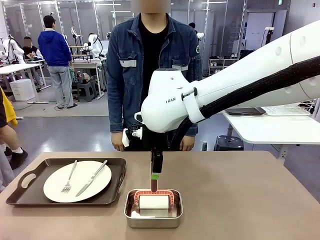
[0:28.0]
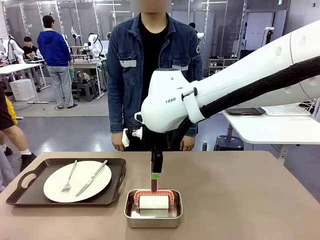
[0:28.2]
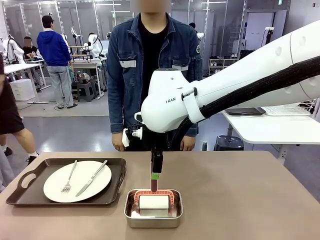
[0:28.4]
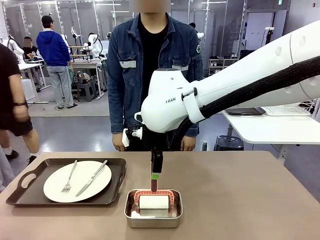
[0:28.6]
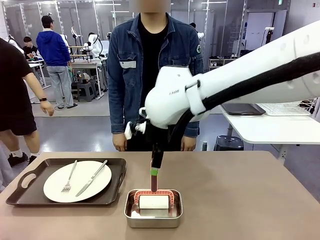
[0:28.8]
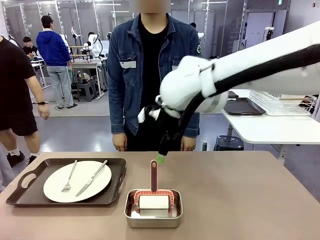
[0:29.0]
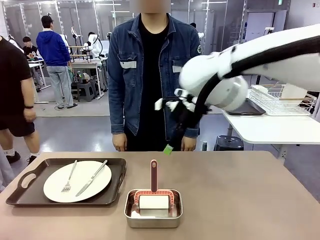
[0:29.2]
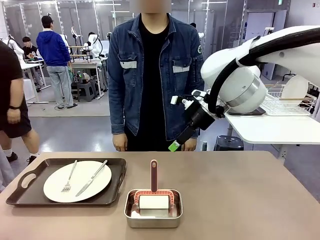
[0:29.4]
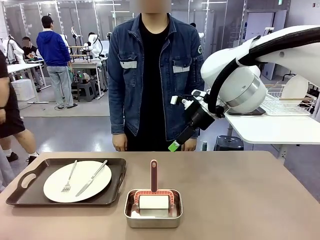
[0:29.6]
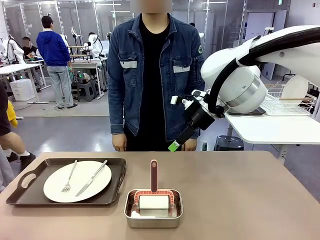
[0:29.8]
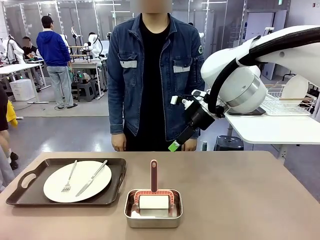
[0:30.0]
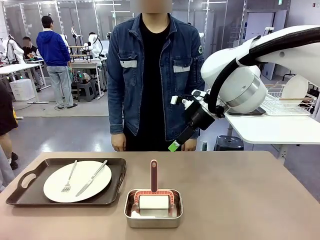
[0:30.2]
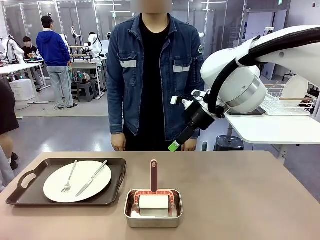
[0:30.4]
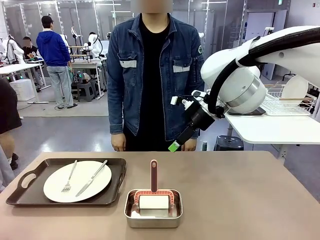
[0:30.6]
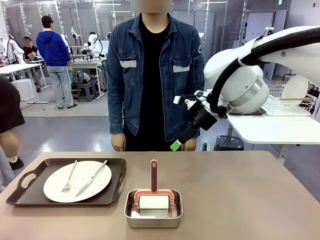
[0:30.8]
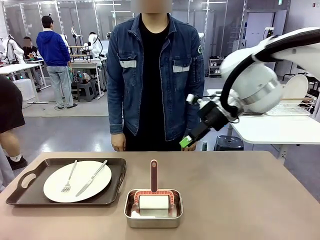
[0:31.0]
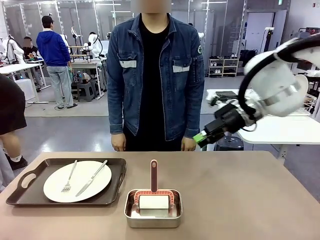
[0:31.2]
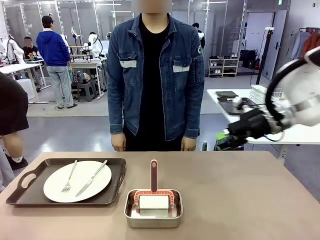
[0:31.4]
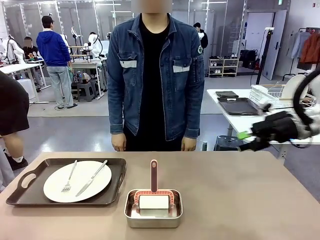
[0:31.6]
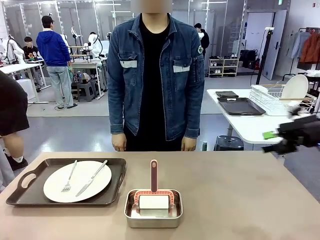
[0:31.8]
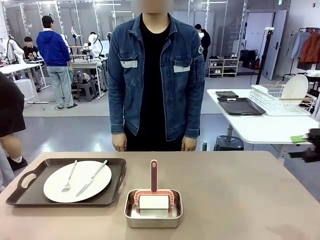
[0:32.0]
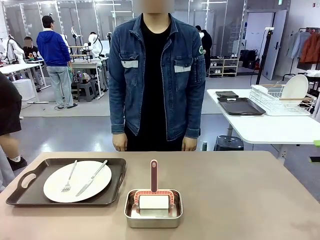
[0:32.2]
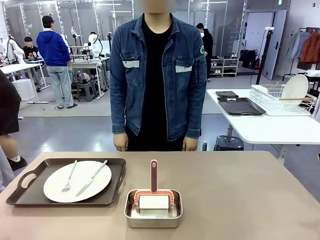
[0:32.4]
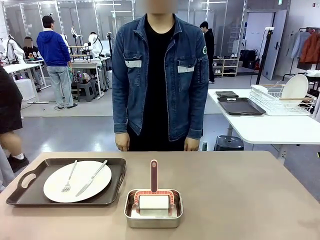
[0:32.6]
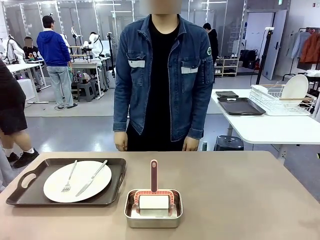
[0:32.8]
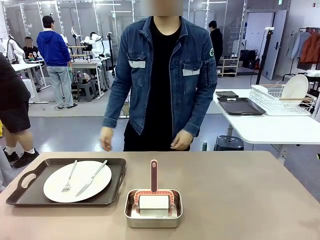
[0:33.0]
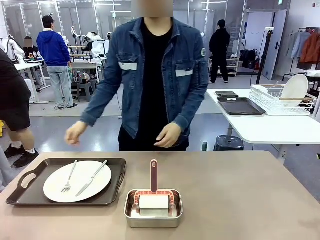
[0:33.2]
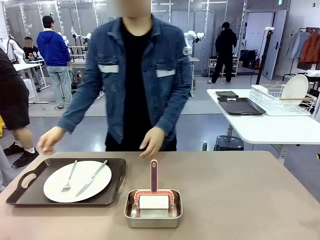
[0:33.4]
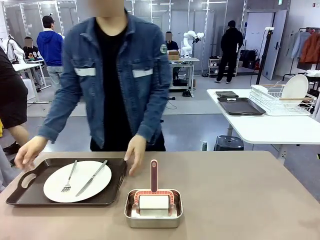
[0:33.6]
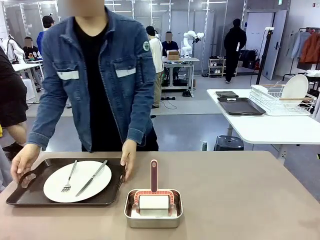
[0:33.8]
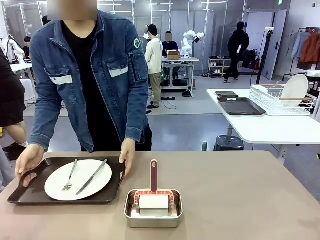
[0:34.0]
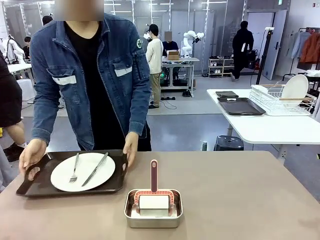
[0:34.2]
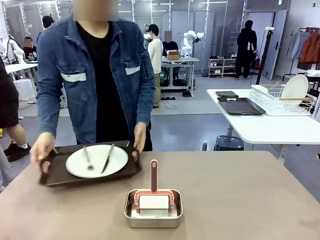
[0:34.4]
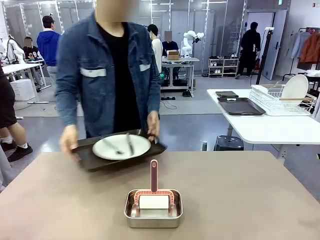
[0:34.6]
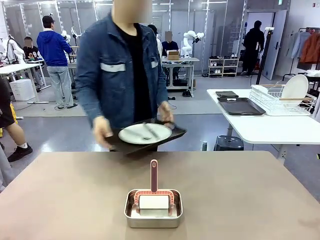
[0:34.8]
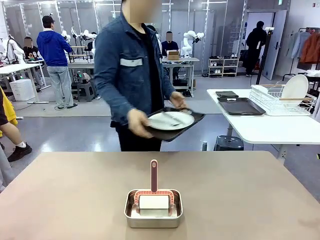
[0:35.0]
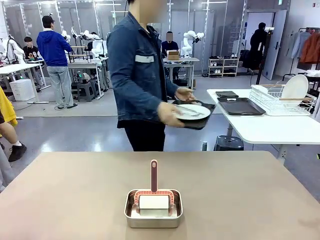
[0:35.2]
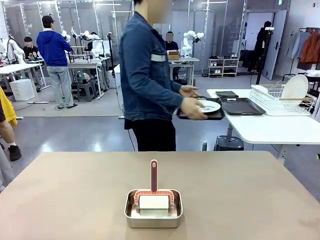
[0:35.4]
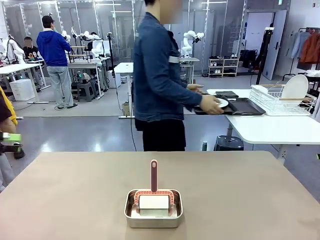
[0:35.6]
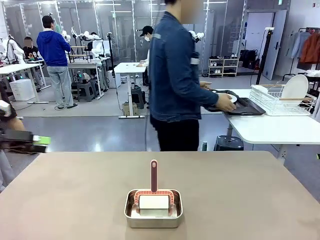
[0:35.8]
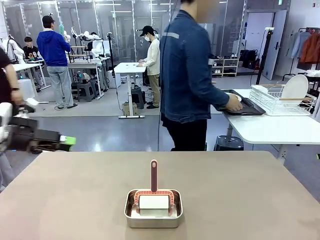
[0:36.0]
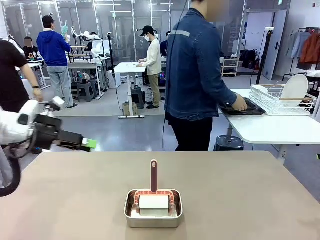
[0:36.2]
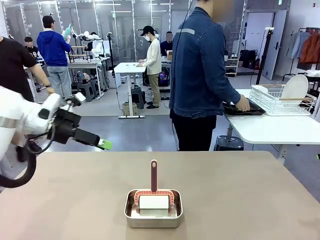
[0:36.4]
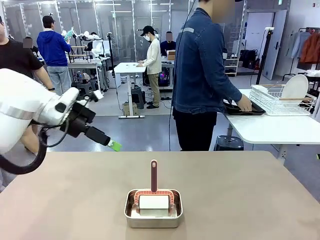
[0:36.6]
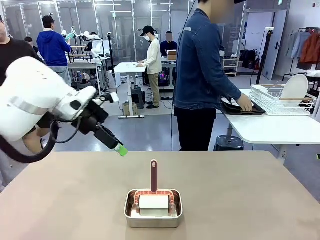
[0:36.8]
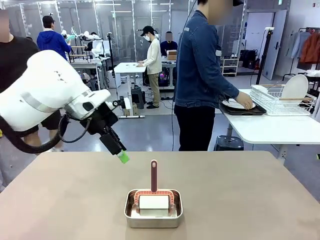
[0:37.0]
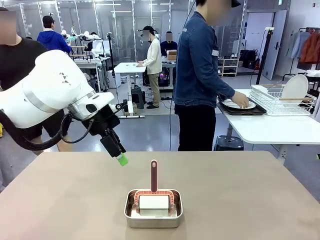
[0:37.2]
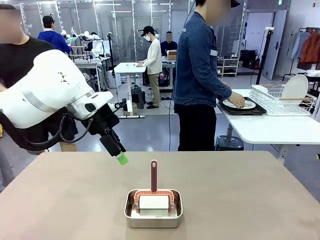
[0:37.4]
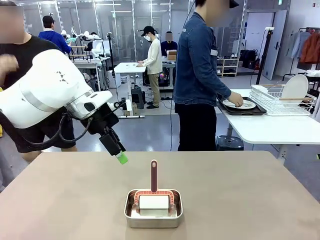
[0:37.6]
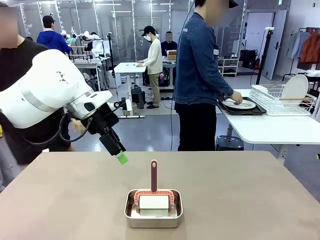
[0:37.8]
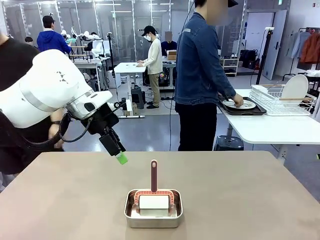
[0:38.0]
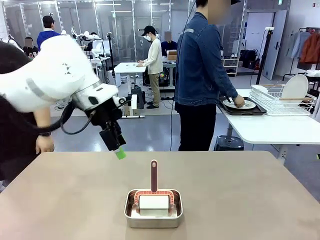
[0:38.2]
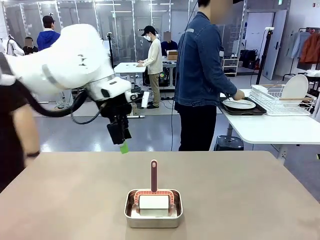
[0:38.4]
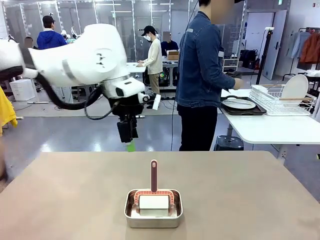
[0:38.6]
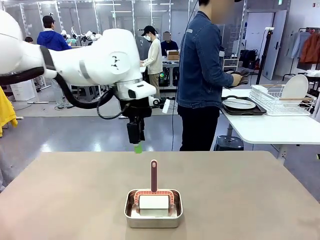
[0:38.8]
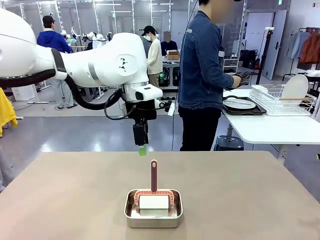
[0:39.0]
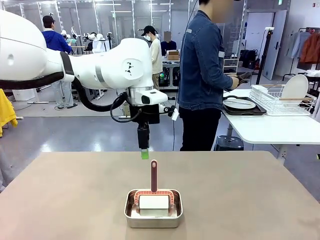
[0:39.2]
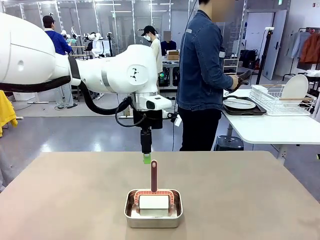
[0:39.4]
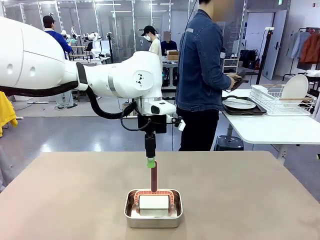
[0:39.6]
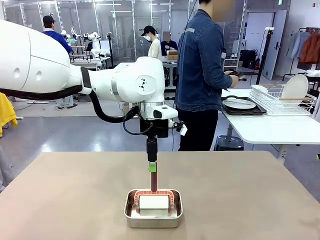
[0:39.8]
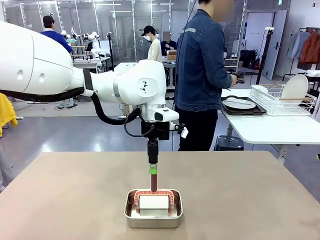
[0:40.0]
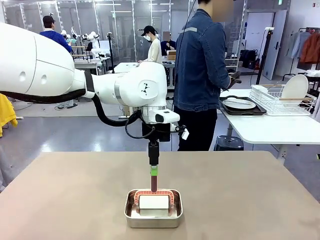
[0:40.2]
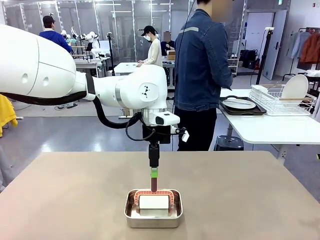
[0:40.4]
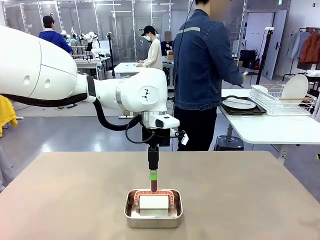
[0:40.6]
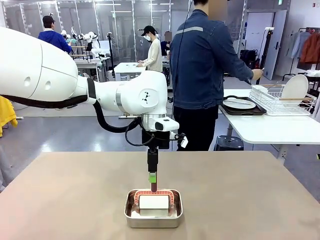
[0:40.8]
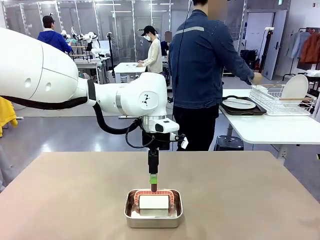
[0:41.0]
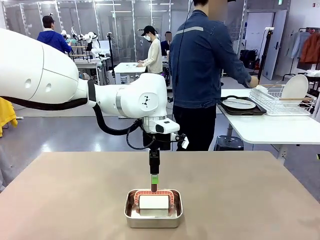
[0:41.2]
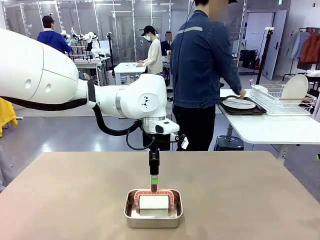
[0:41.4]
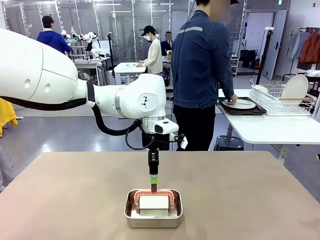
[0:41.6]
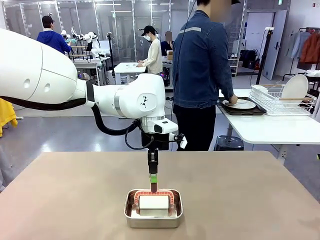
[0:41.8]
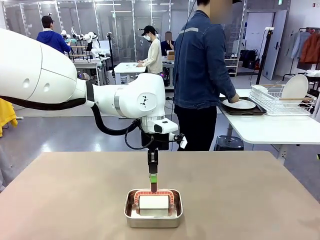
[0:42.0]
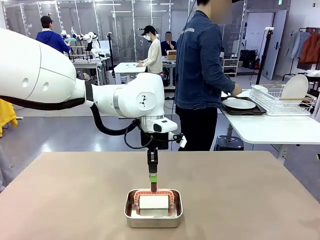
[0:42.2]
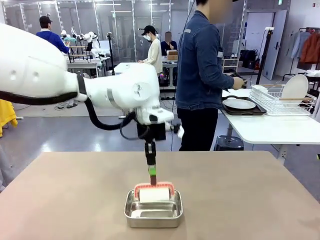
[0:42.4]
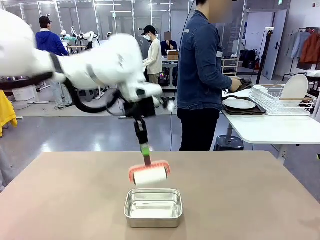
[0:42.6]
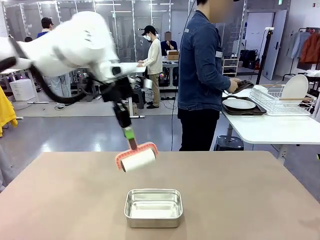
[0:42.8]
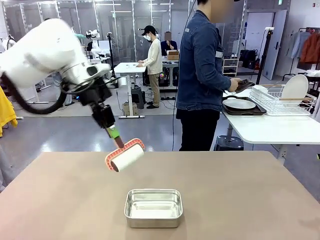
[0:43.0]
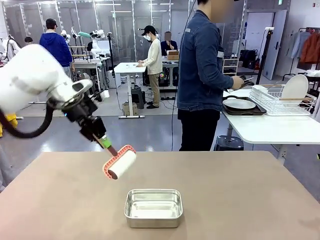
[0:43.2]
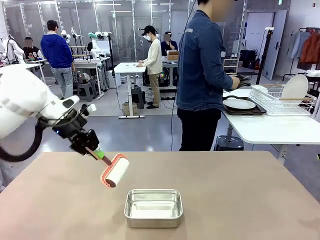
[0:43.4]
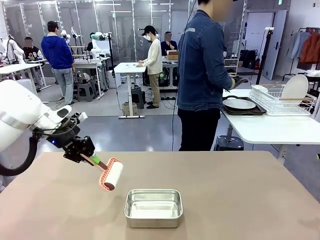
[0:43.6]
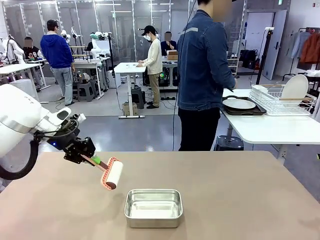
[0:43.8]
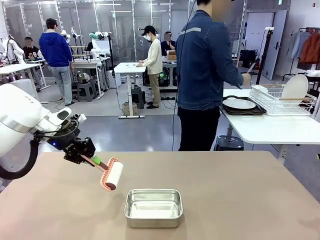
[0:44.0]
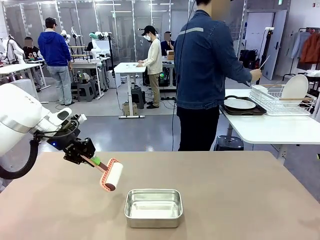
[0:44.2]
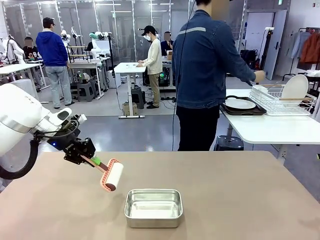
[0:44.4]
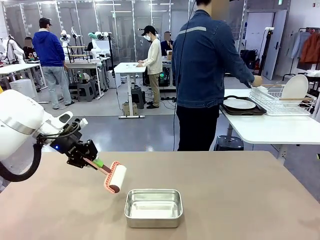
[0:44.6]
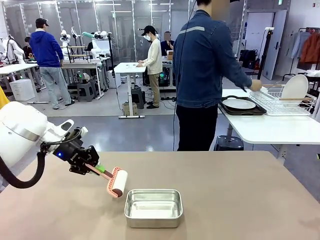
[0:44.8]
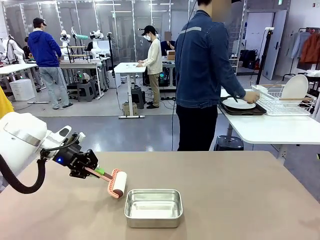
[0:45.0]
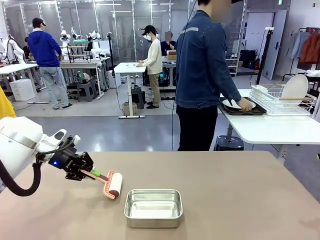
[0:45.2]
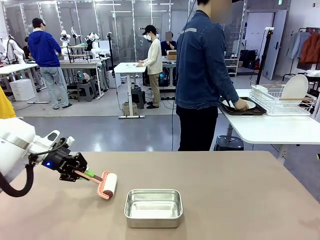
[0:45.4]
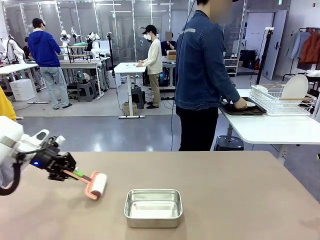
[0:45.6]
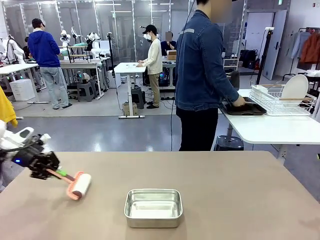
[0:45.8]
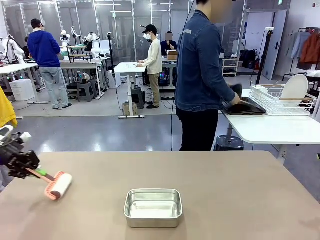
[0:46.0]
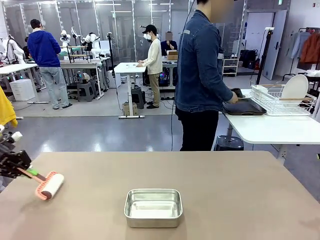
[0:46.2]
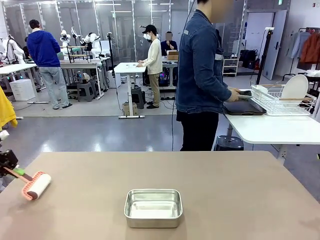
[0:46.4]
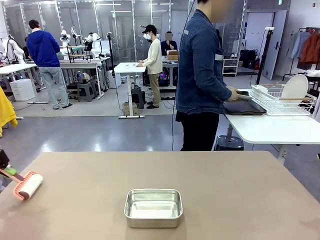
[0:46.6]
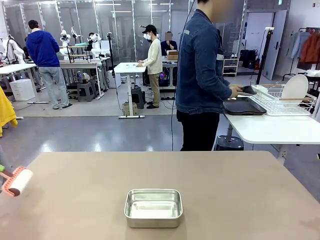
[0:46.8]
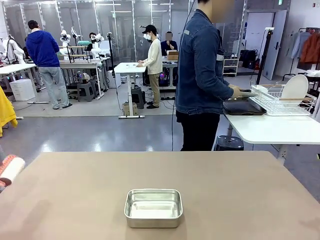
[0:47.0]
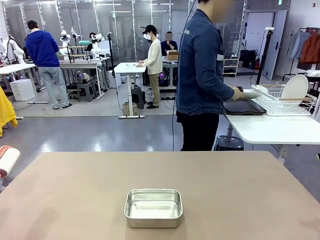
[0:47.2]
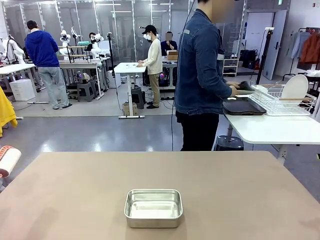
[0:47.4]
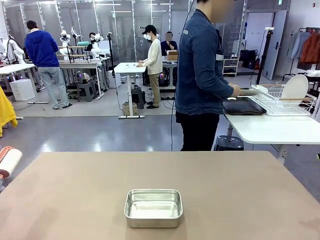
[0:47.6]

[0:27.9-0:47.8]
Robot: When the right (or left) Handle tray is removed, use the right hand (or left hand) to clean the right (or left) side of the table with the Lint Roller.
Person: Pick up the left (or right) Handle tray and place it on the Handle tray. Use the Towel with hook to wipe the Plastic Matte Plate , Fork , and Knife and place into the Dish drying rack.
